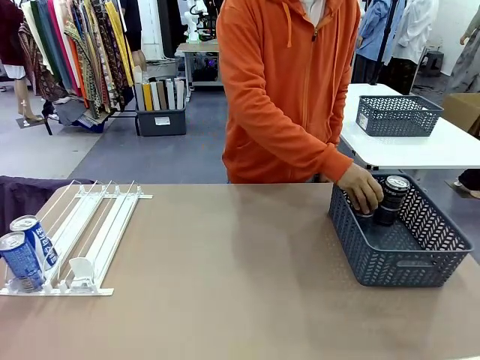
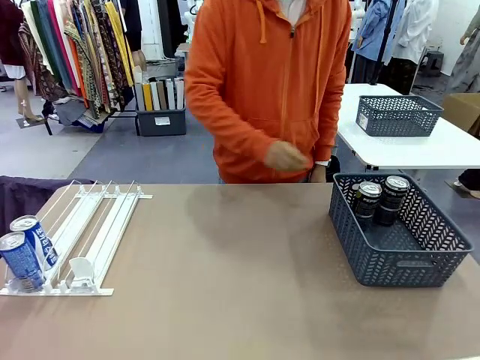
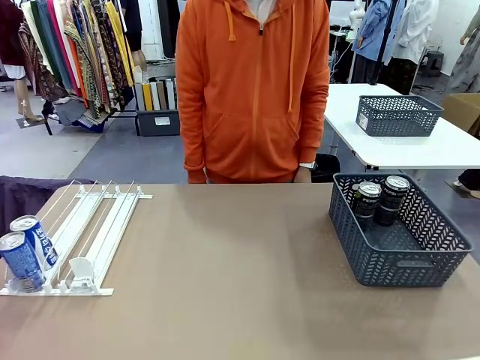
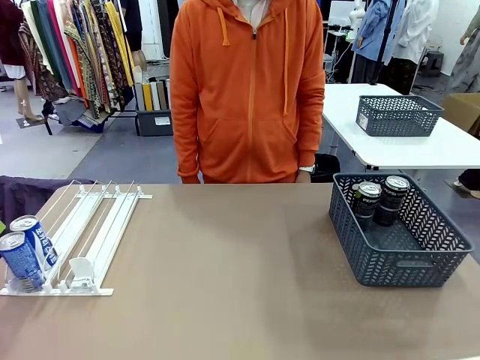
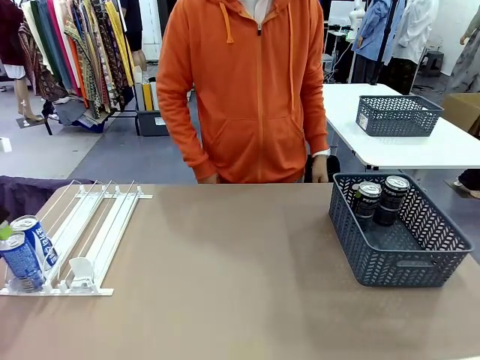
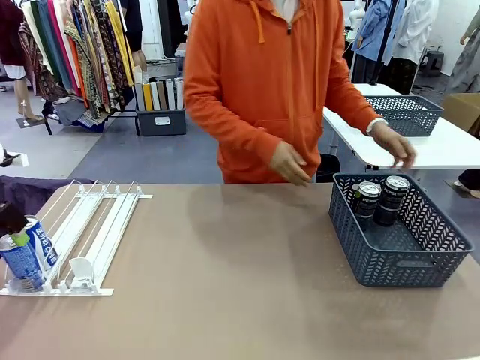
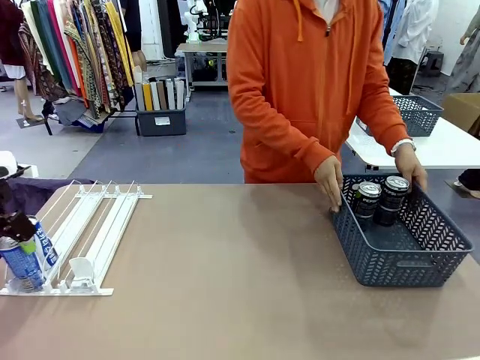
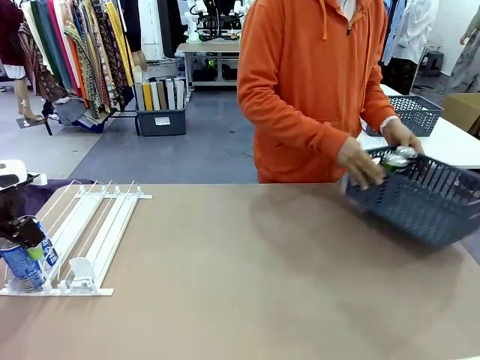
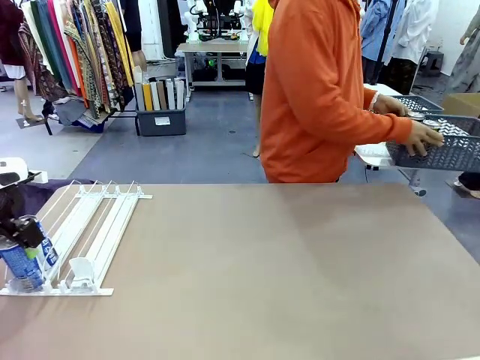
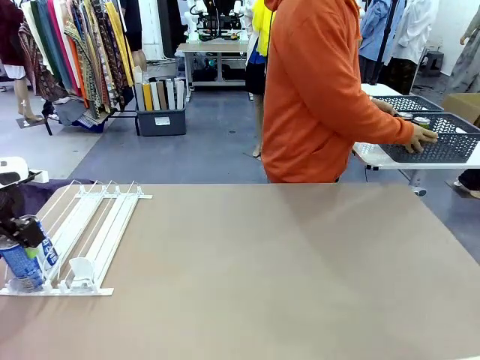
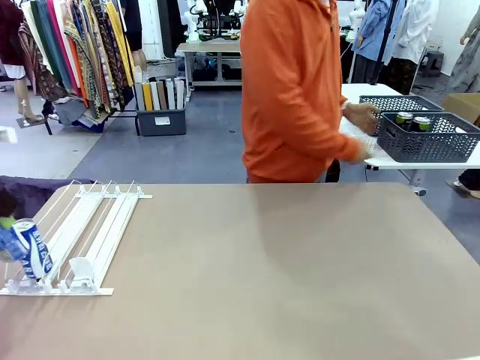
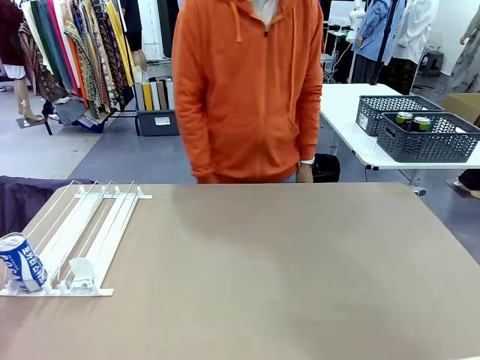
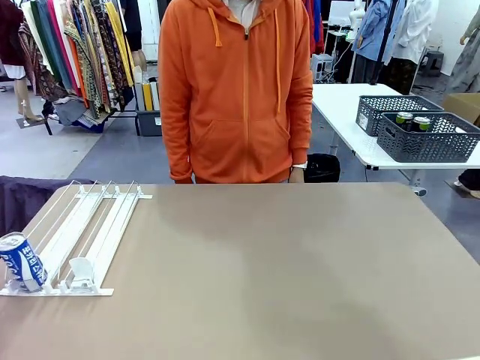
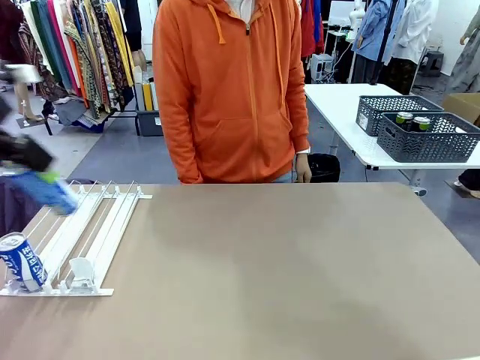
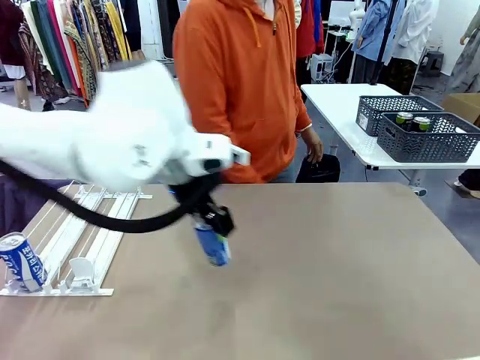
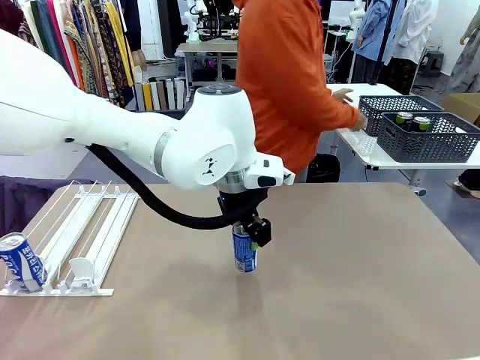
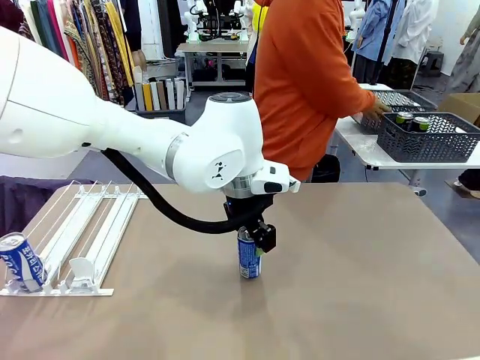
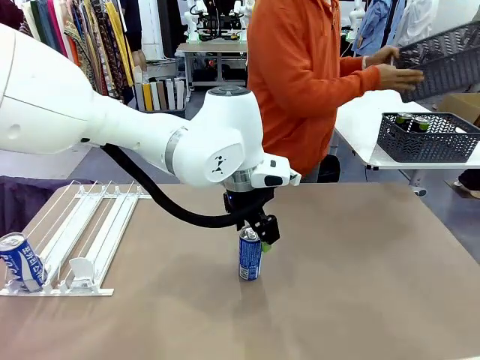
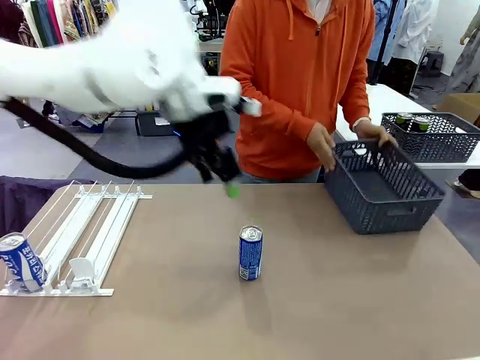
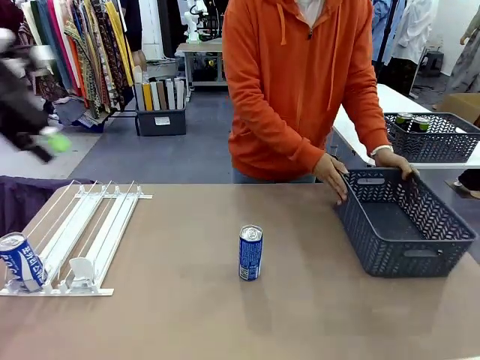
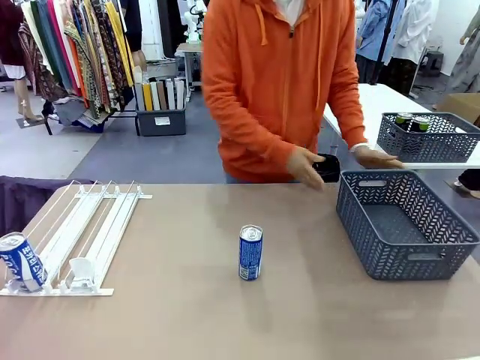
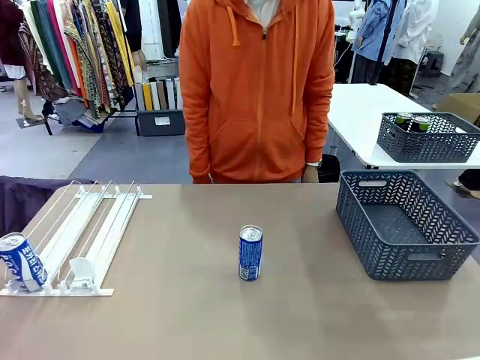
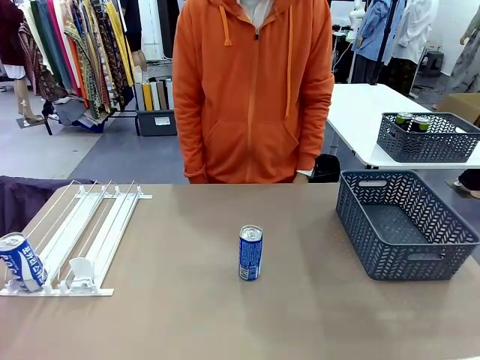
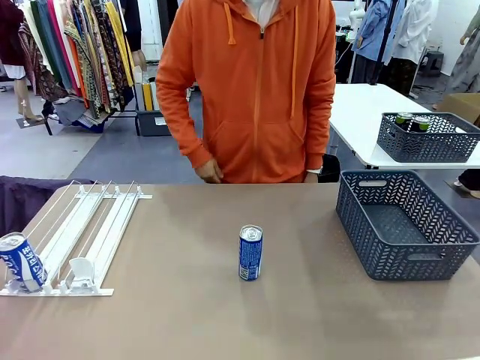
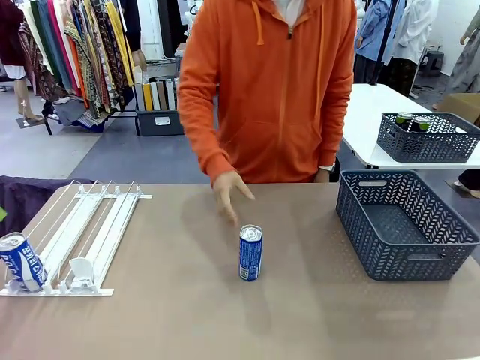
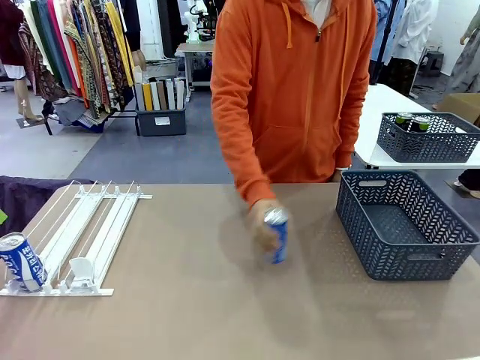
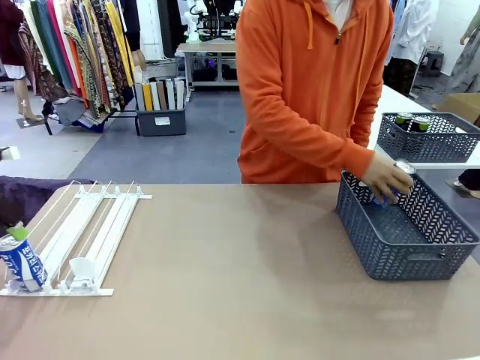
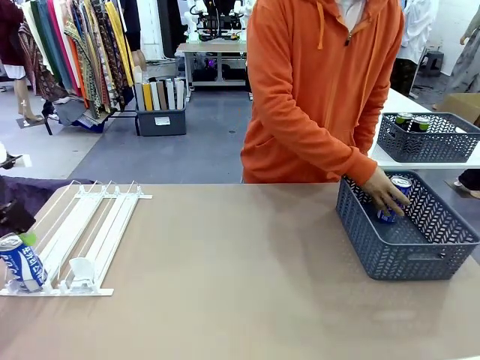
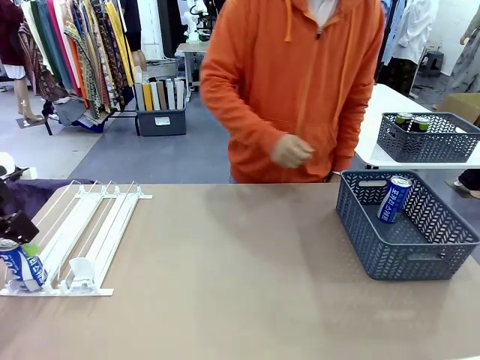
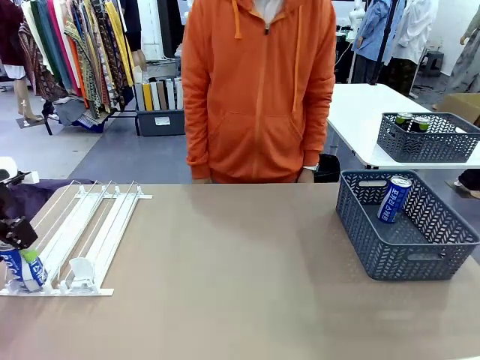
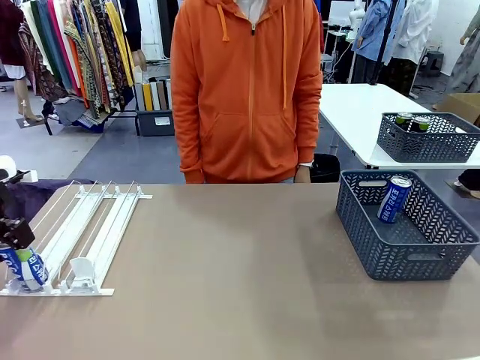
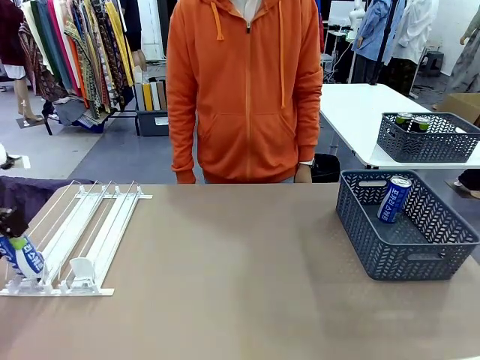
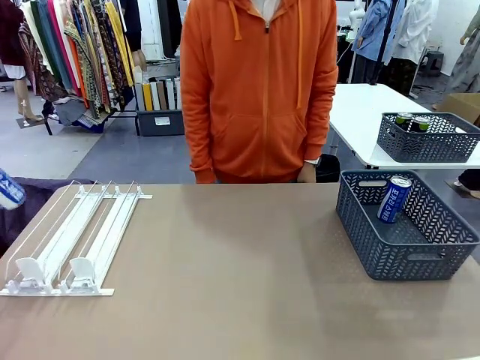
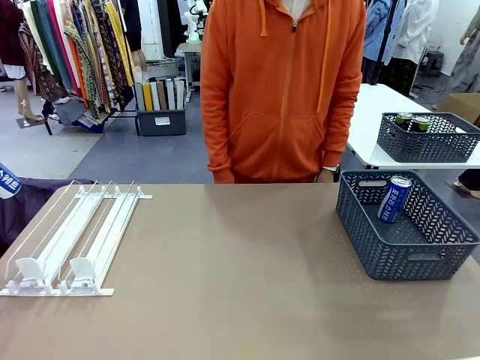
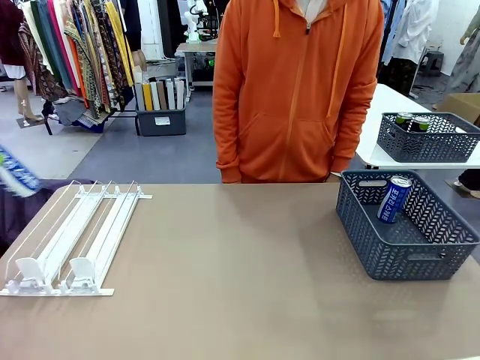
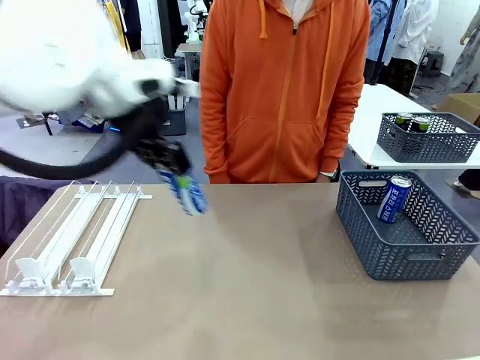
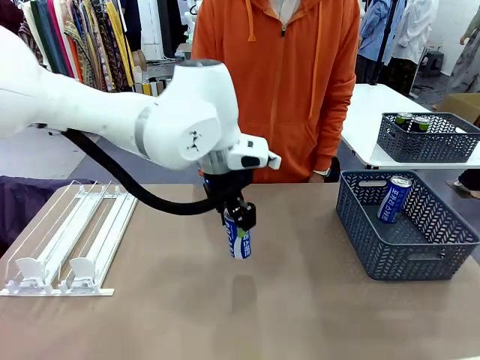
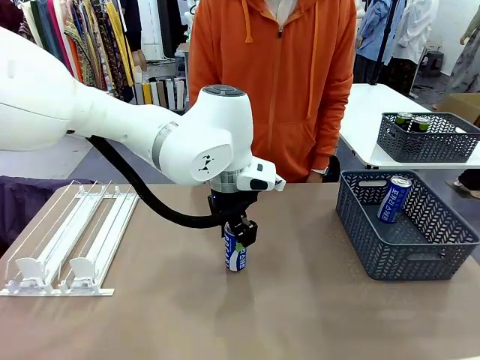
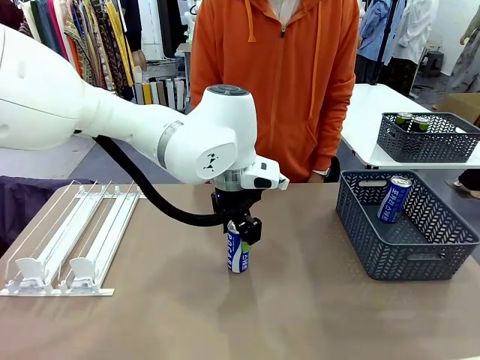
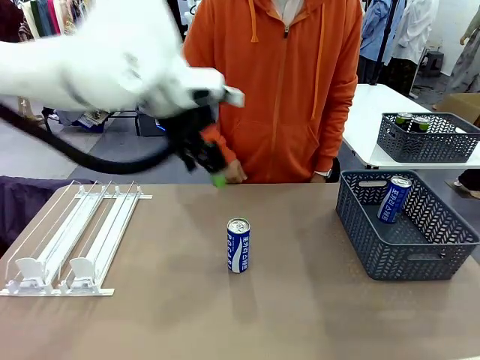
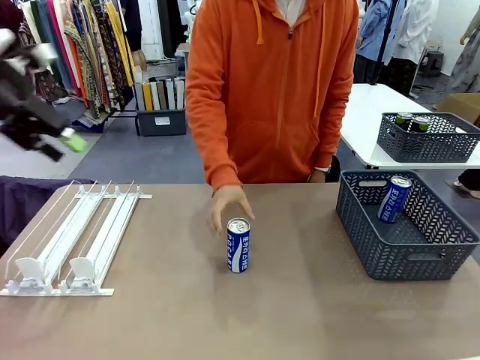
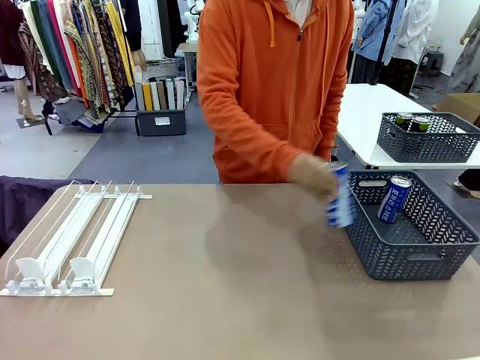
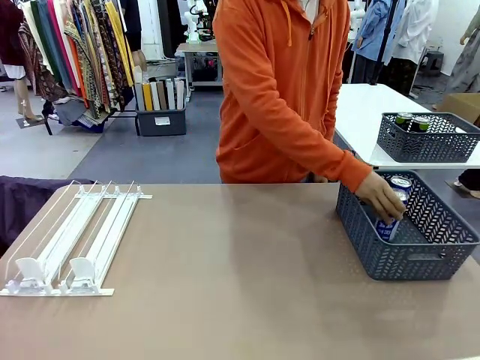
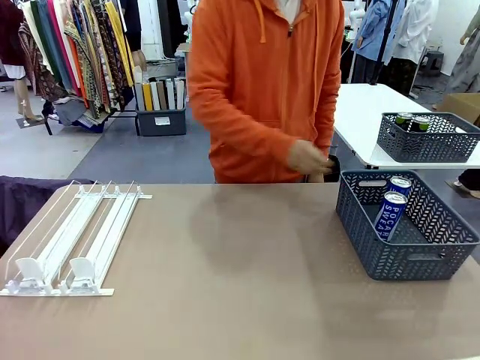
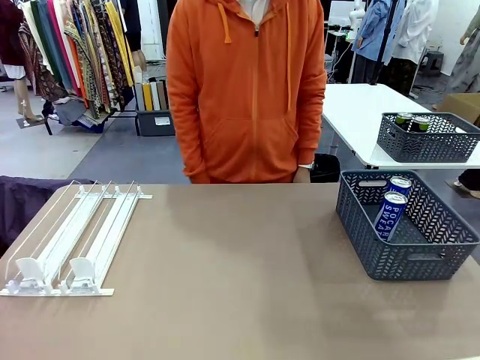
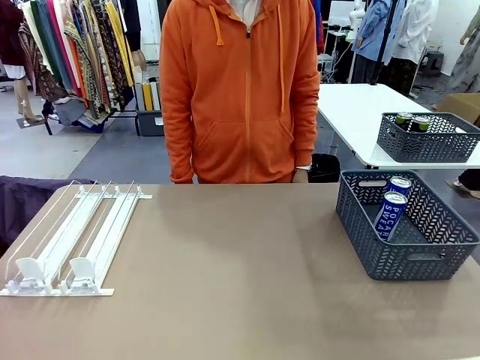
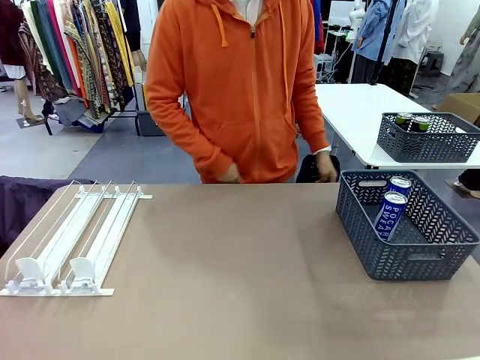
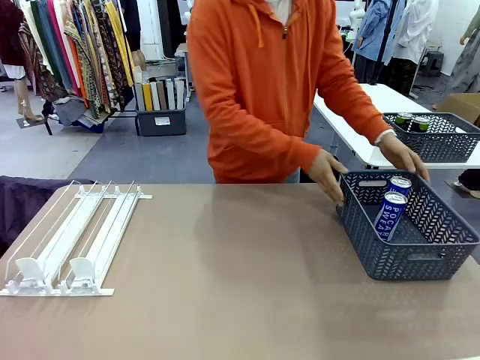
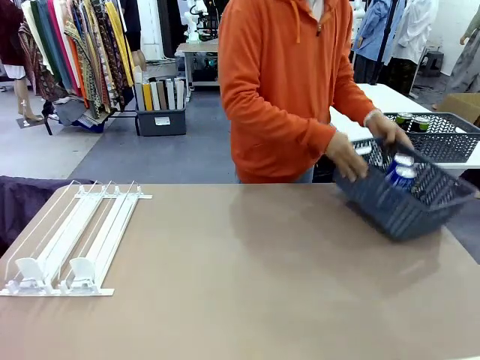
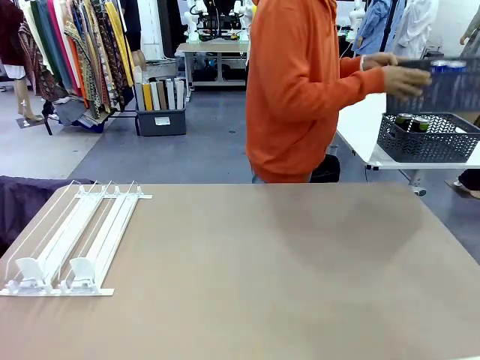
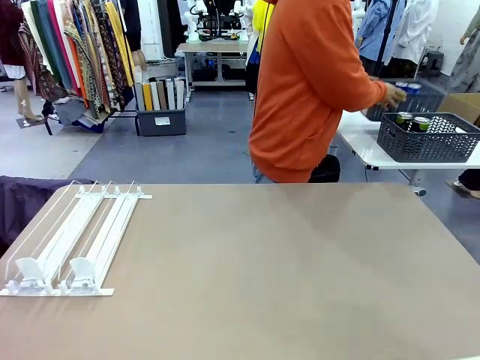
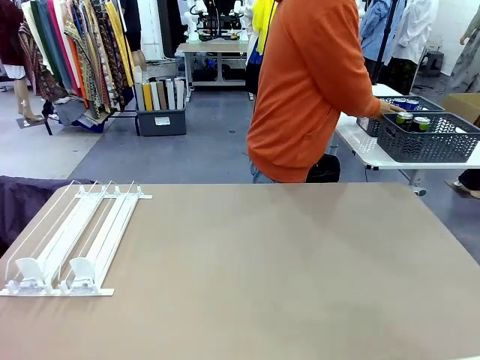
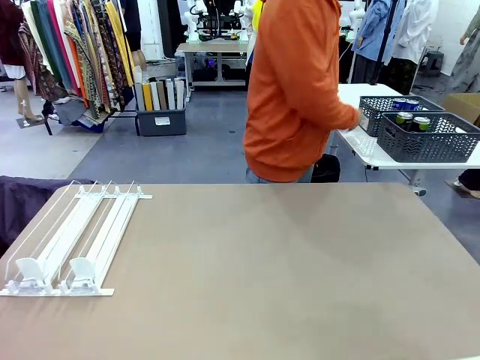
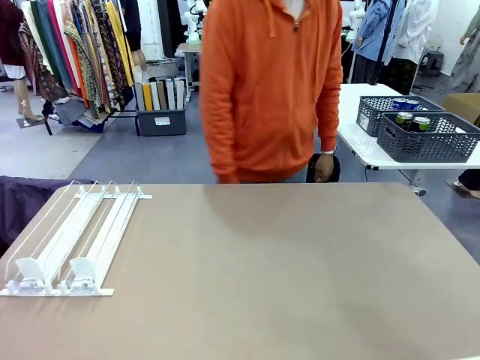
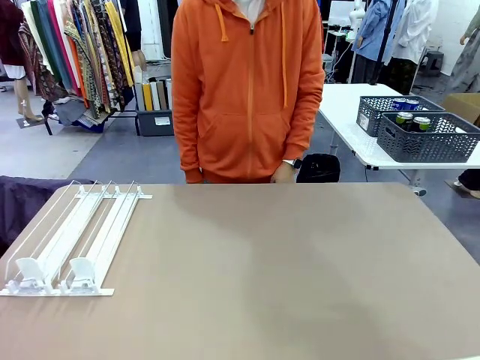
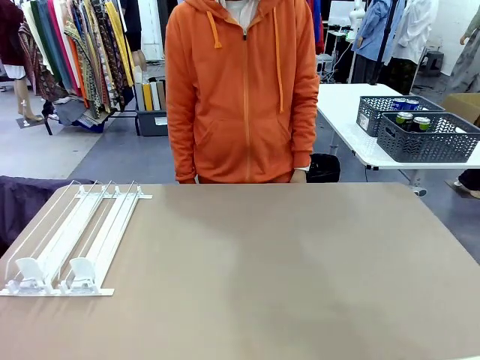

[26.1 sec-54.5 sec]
Task: Retrieve and store the cans from the dispenser.
Robot: Pick up one can from the Automatic Can Dispenser and place it in the middle of the table.
Person: Pick up the basket and place it in the middle of the human table. Pick up the empty basket and place it on the left side of the robot table. Pick up one sports drink can from the middle of the robot table and place it in the basket. Pick up the basket and place it in the middle of the human table.
